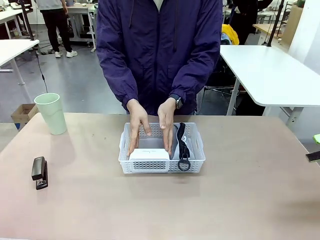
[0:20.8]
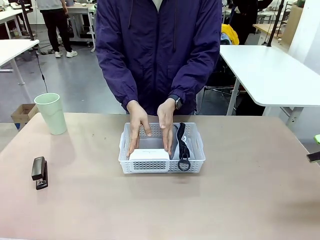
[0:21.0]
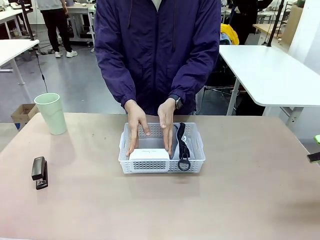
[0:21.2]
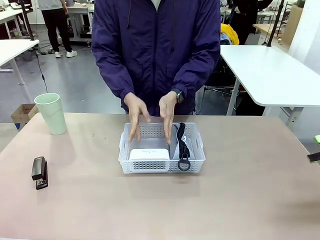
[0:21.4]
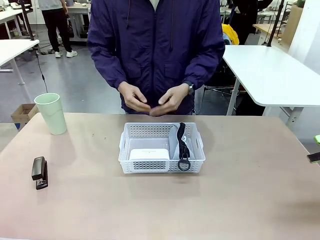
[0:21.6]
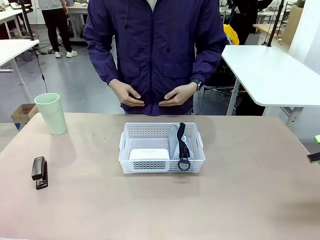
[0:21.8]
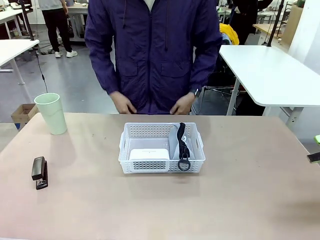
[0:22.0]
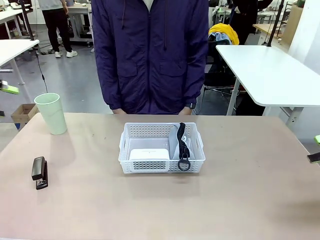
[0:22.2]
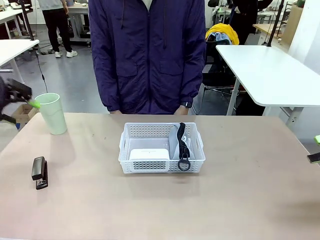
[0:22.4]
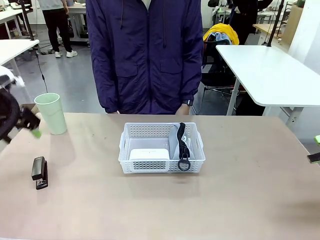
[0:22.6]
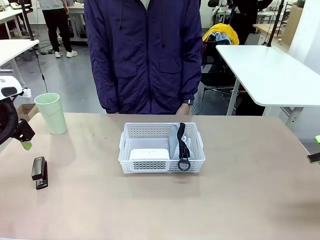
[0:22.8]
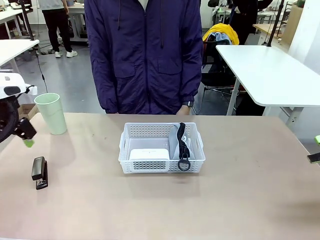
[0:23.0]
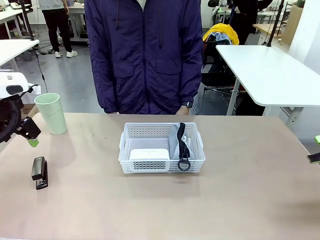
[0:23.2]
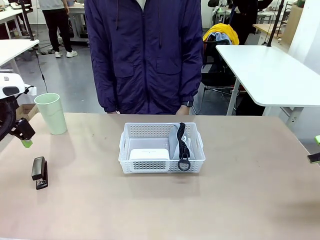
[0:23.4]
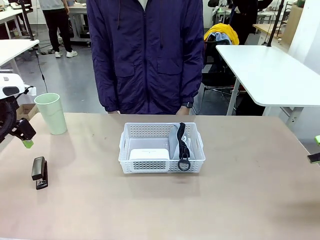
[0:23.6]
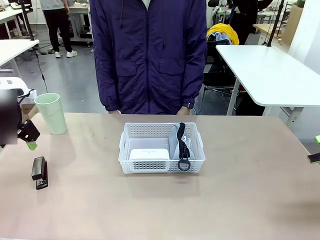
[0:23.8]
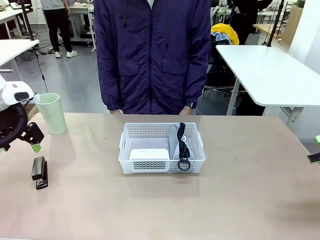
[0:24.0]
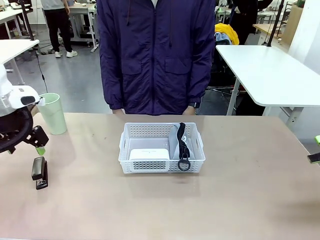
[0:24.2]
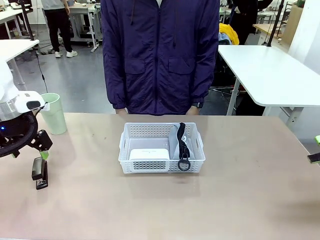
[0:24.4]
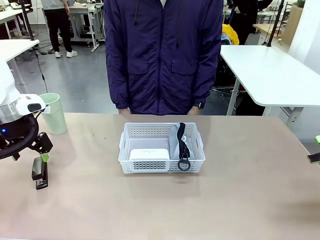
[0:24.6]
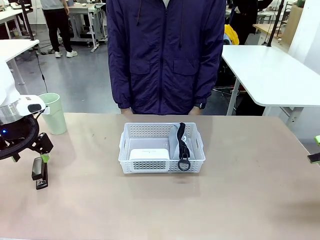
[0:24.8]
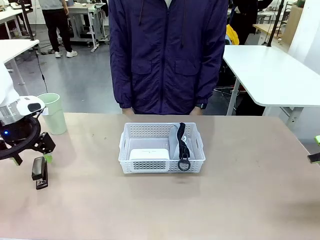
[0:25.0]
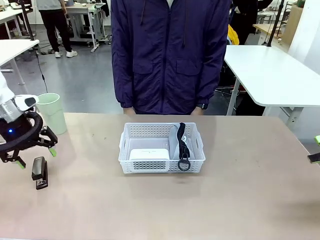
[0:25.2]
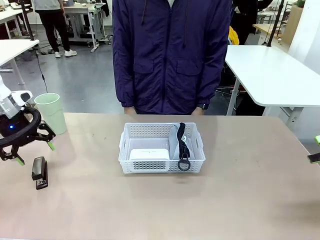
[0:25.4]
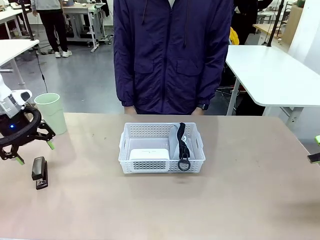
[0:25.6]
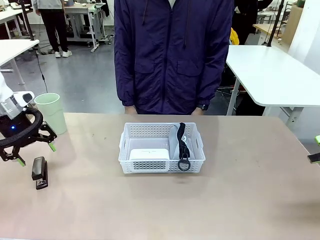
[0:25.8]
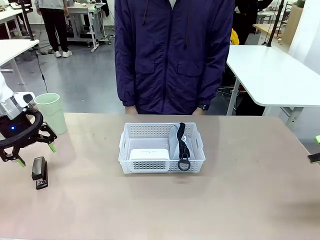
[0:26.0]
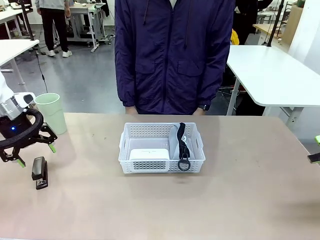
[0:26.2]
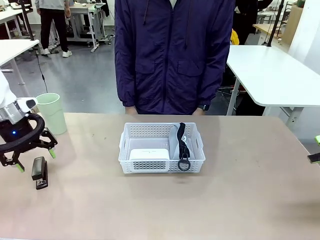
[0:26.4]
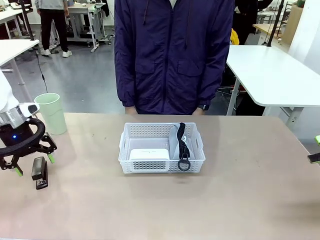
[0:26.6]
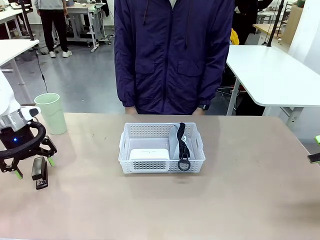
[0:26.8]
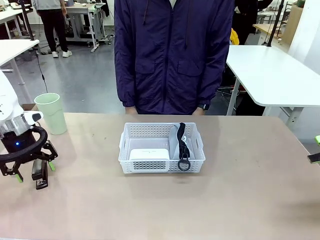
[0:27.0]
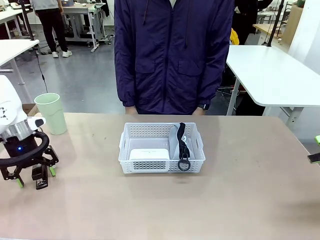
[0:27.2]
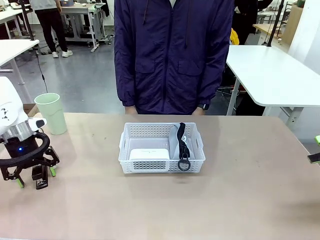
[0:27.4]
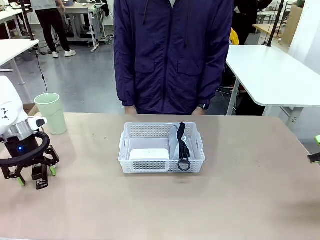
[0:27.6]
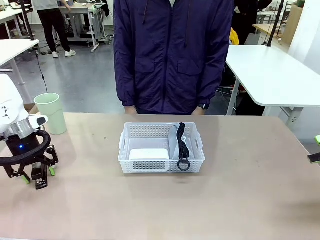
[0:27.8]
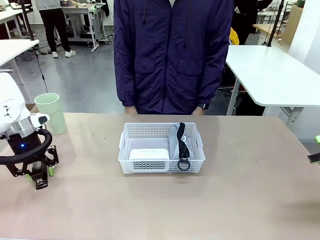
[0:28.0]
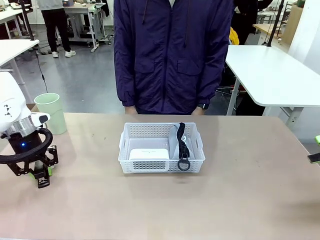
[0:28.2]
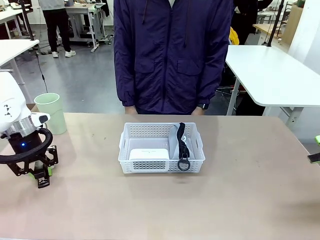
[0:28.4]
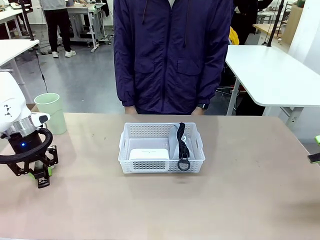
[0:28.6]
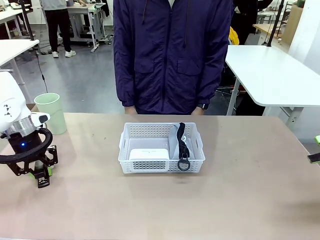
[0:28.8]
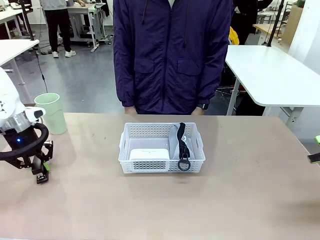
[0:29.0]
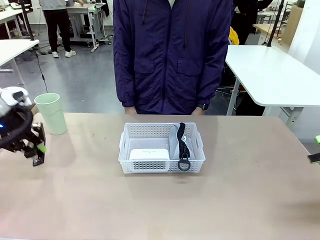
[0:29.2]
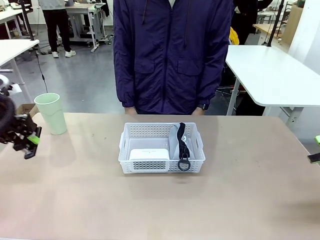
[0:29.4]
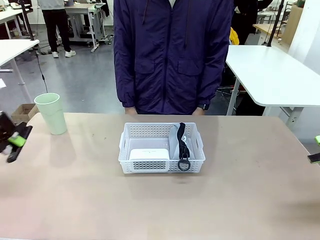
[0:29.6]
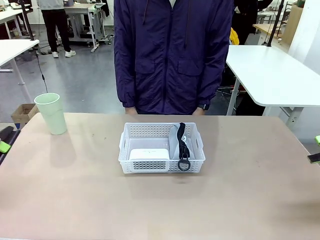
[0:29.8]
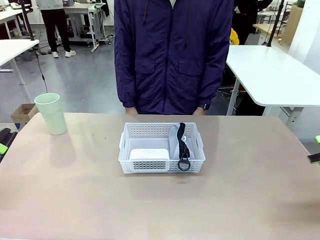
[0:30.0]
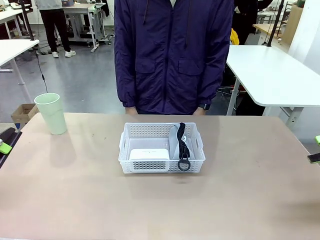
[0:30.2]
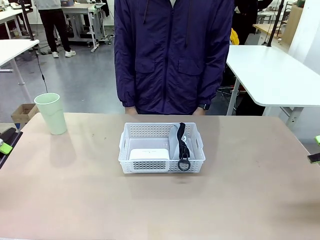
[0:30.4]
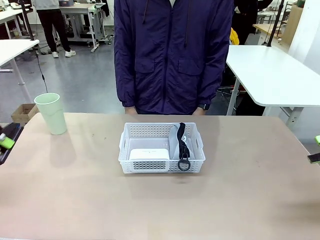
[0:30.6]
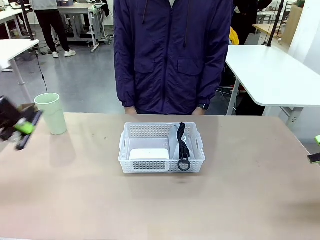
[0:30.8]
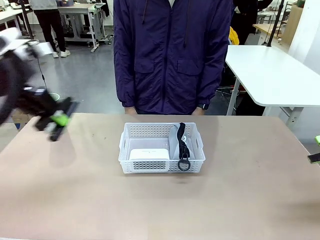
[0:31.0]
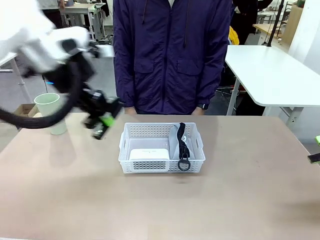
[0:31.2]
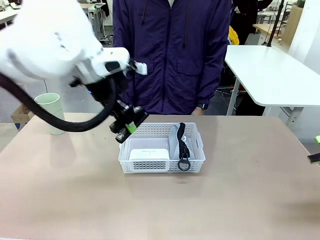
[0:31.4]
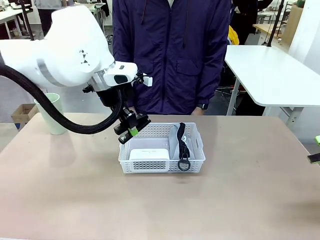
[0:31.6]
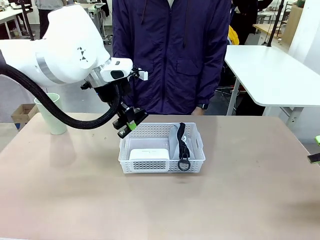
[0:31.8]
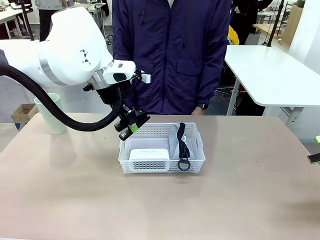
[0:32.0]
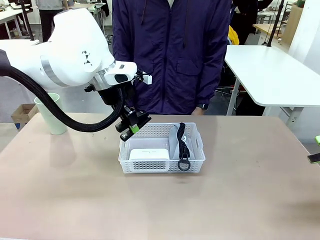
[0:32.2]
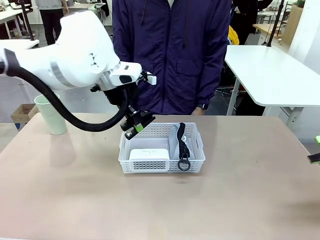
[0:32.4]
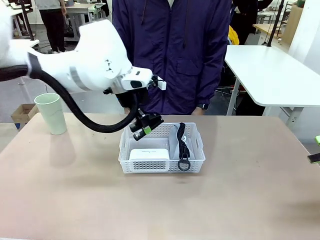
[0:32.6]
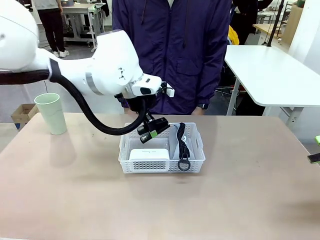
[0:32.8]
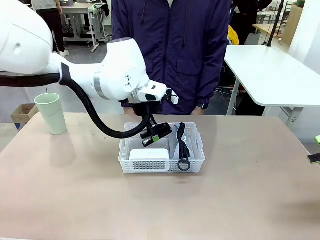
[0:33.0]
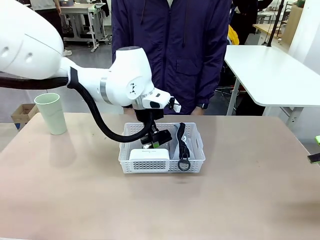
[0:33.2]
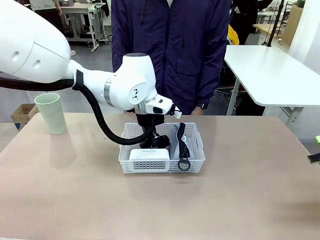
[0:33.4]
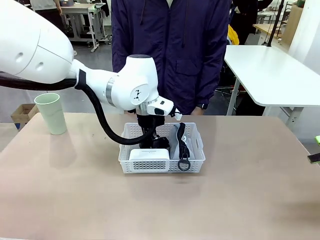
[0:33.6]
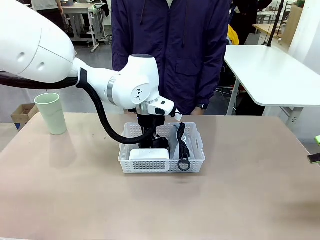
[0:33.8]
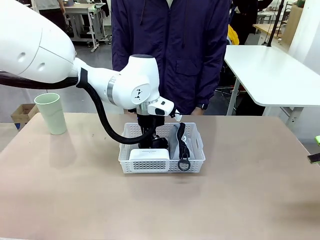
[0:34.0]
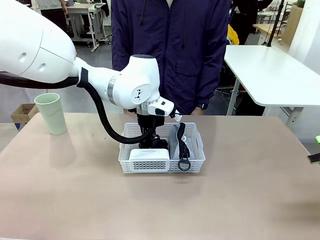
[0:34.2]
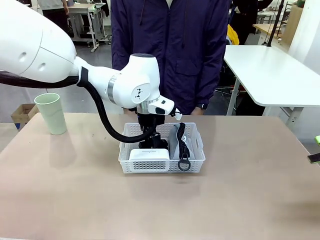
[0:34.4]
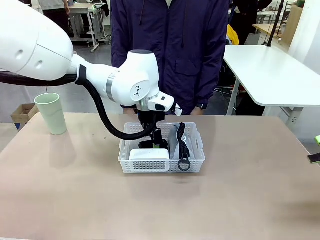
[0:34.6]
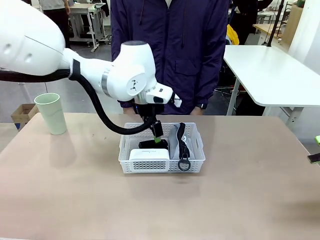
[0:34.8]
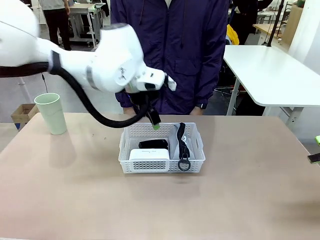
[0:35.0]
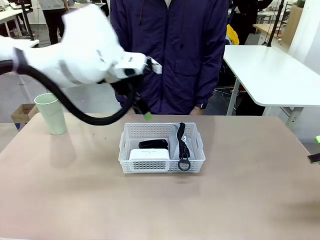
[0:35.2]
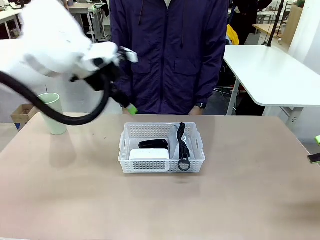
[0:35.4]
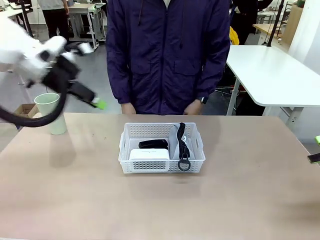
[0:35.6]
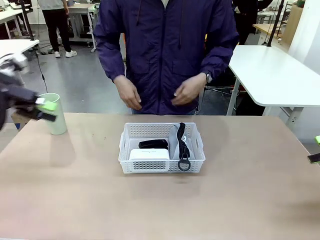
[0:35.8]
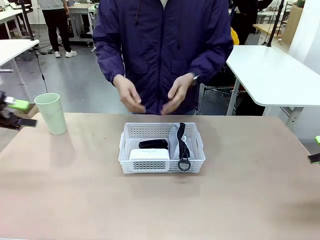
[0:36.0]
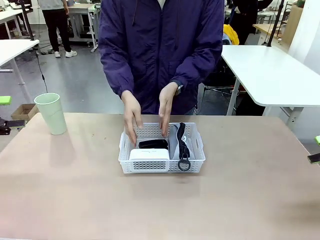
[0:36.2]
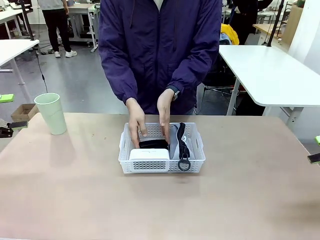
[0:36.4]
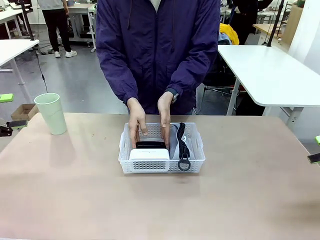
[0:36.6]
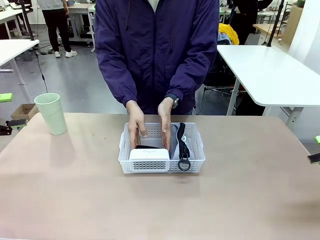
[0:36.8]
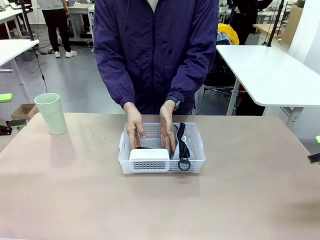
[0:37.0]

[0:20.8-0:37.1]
Task: Efficiently arrange items inside the basket to fit them all.
Robot: Pick up the Stapler and place it inside the Organizing basket.
